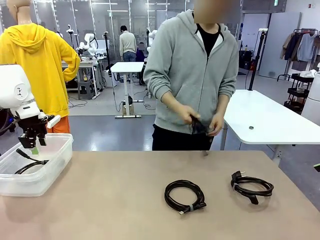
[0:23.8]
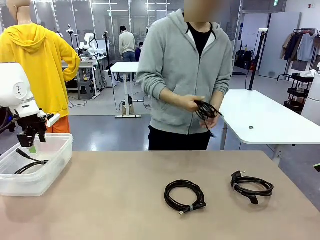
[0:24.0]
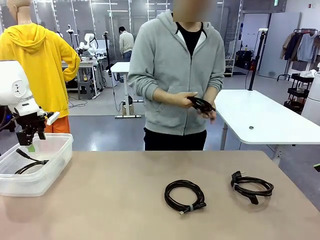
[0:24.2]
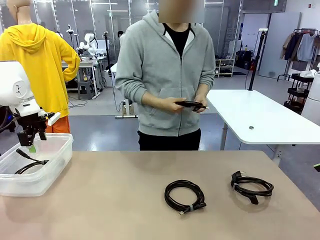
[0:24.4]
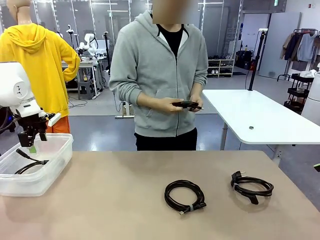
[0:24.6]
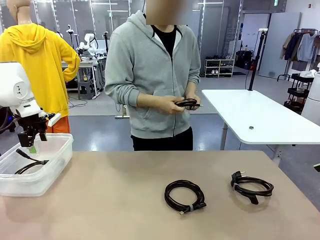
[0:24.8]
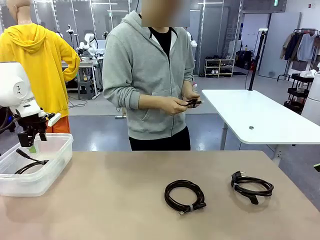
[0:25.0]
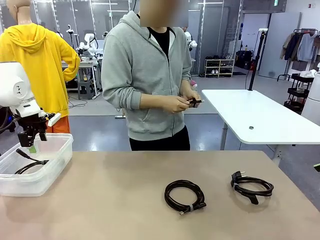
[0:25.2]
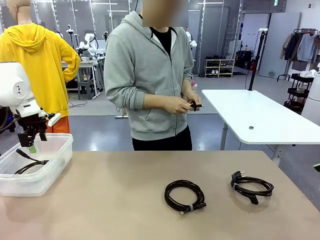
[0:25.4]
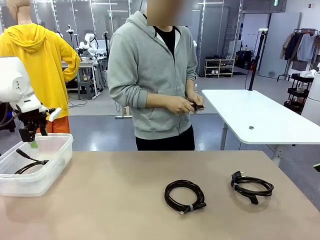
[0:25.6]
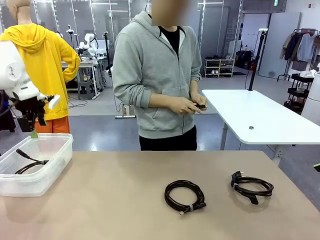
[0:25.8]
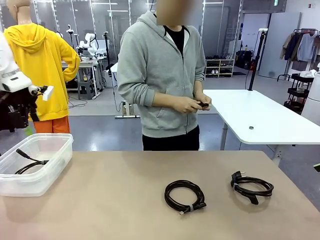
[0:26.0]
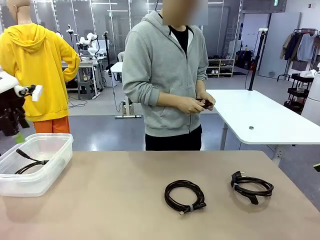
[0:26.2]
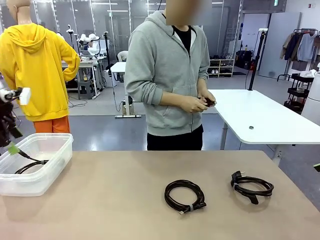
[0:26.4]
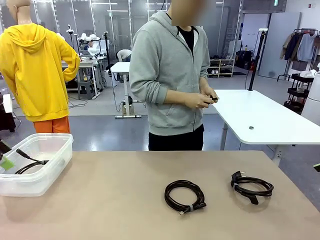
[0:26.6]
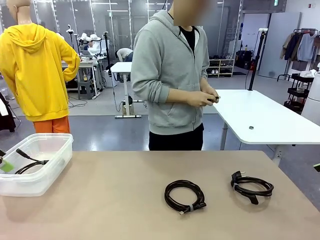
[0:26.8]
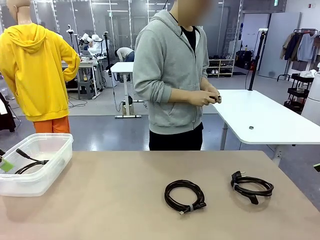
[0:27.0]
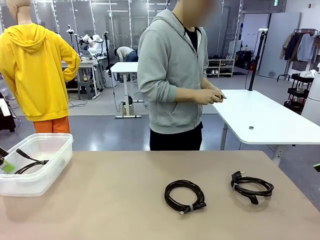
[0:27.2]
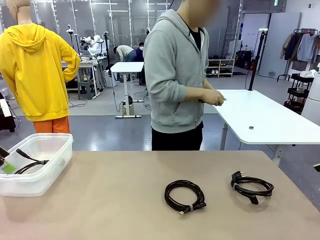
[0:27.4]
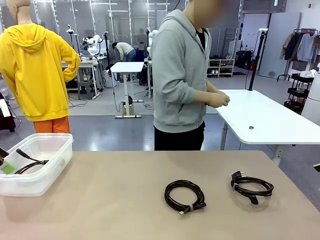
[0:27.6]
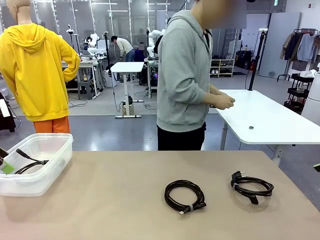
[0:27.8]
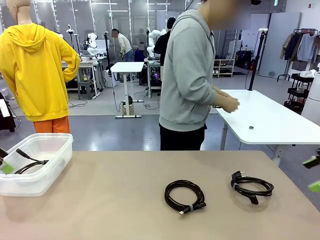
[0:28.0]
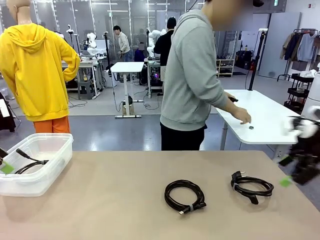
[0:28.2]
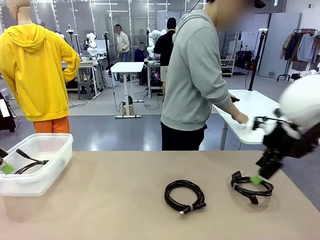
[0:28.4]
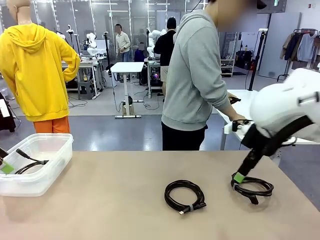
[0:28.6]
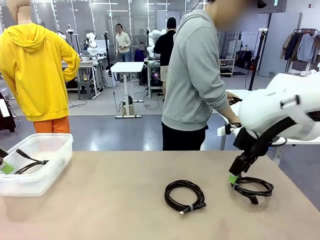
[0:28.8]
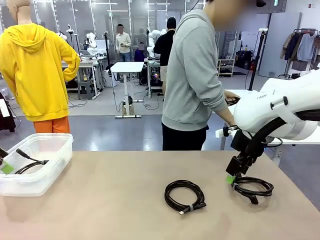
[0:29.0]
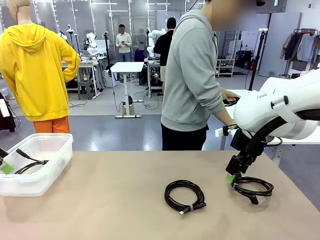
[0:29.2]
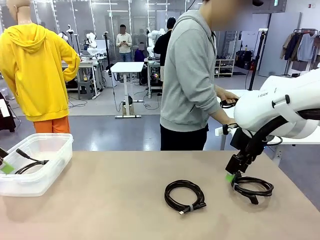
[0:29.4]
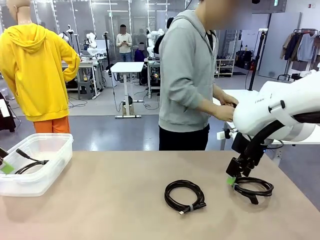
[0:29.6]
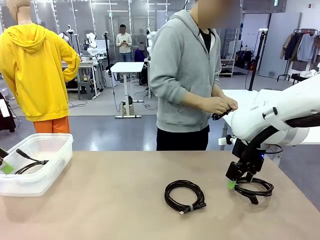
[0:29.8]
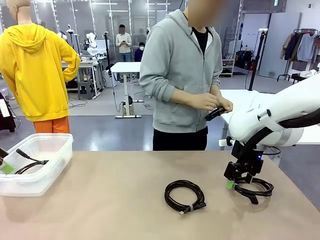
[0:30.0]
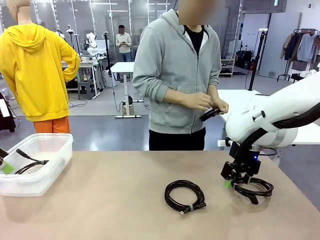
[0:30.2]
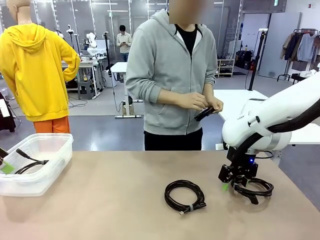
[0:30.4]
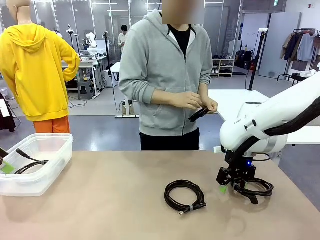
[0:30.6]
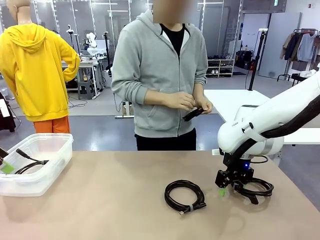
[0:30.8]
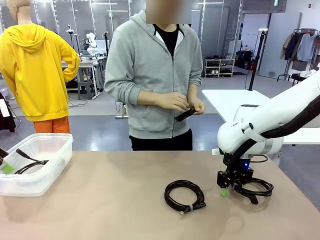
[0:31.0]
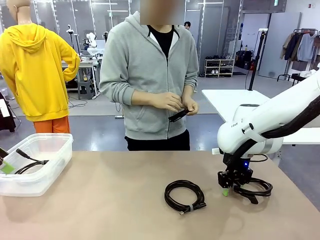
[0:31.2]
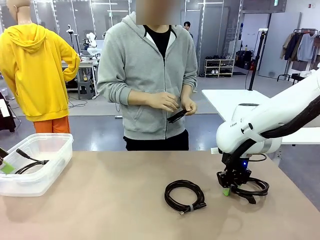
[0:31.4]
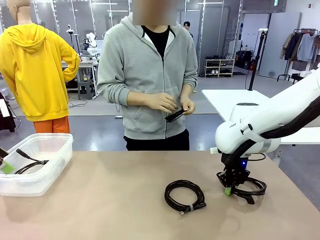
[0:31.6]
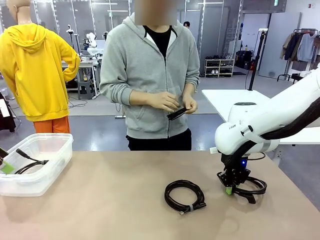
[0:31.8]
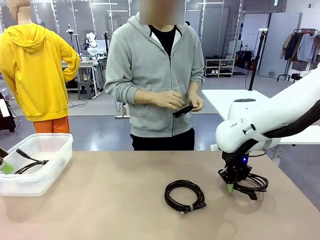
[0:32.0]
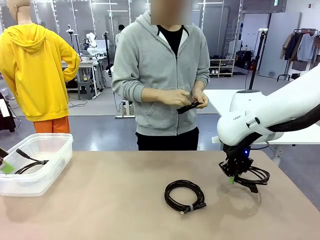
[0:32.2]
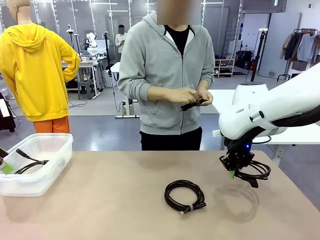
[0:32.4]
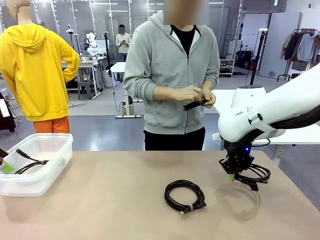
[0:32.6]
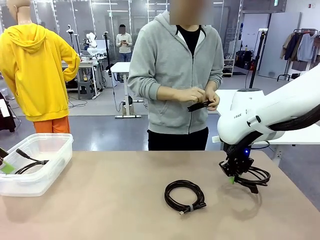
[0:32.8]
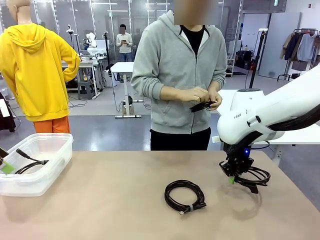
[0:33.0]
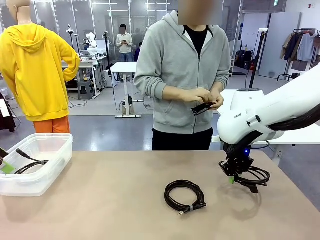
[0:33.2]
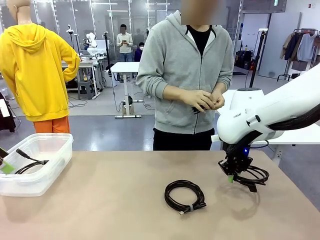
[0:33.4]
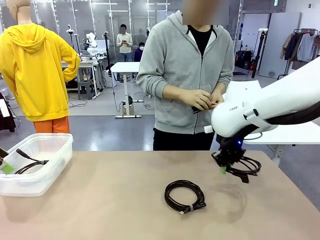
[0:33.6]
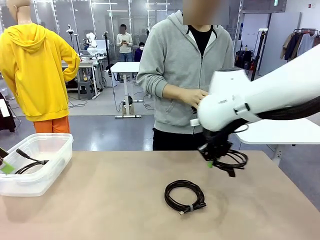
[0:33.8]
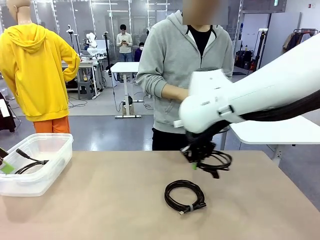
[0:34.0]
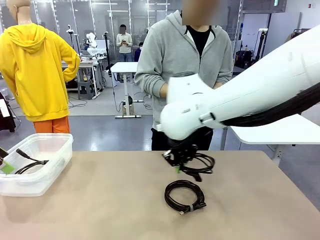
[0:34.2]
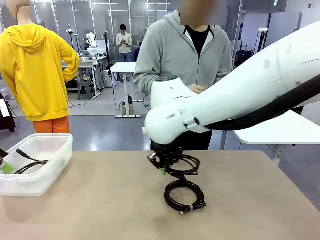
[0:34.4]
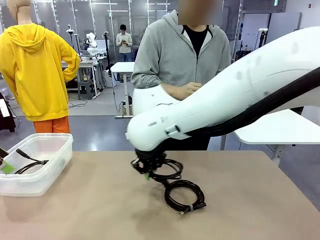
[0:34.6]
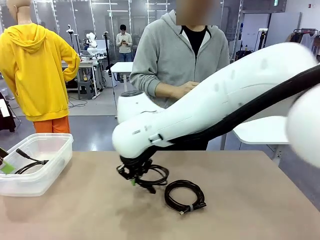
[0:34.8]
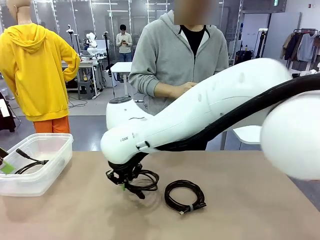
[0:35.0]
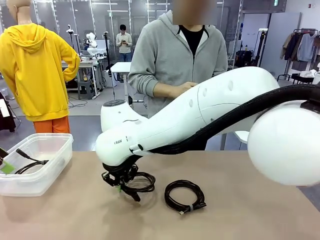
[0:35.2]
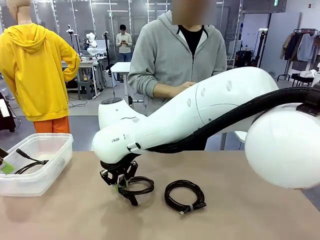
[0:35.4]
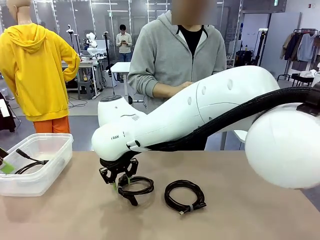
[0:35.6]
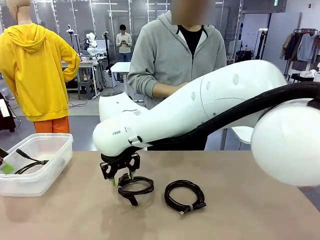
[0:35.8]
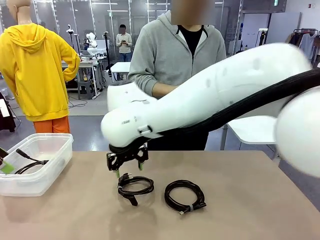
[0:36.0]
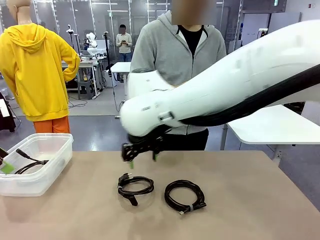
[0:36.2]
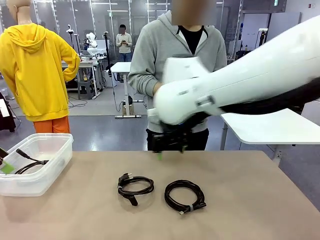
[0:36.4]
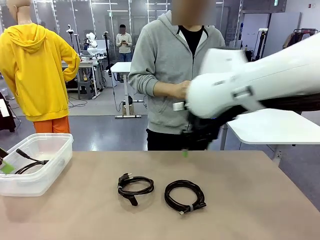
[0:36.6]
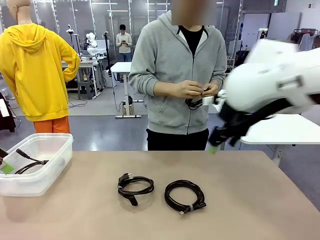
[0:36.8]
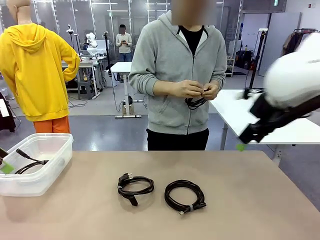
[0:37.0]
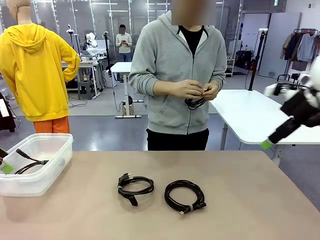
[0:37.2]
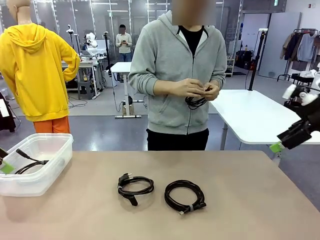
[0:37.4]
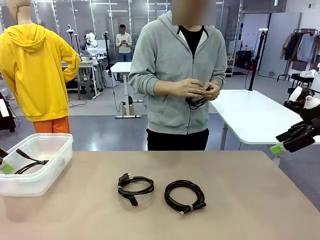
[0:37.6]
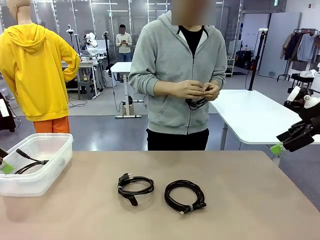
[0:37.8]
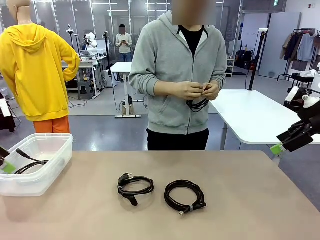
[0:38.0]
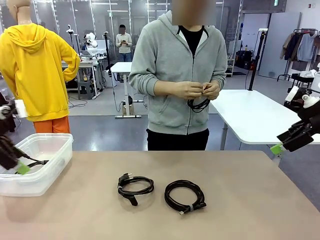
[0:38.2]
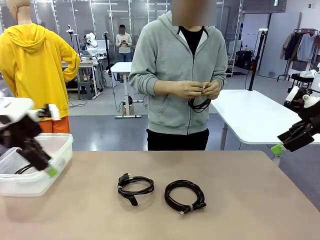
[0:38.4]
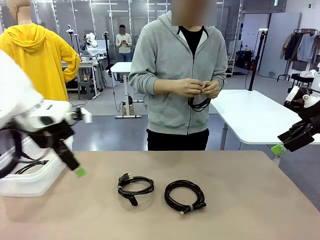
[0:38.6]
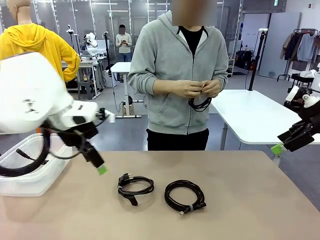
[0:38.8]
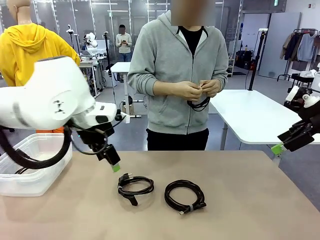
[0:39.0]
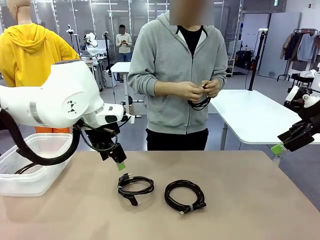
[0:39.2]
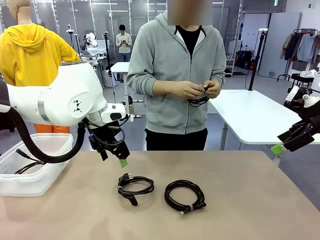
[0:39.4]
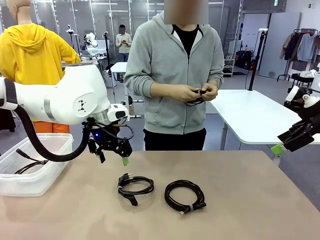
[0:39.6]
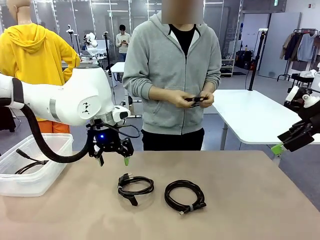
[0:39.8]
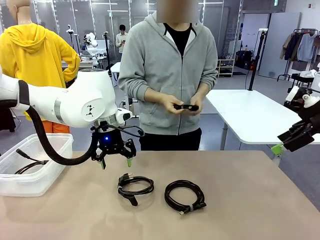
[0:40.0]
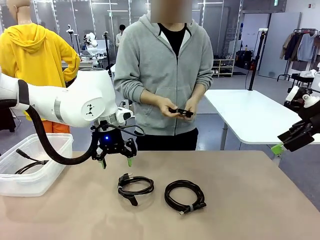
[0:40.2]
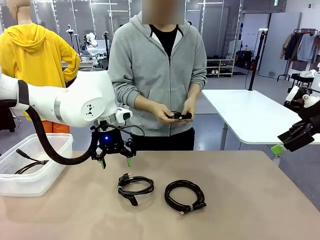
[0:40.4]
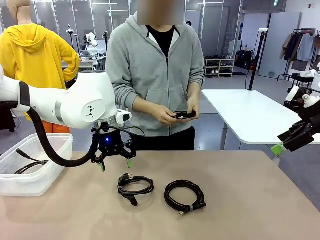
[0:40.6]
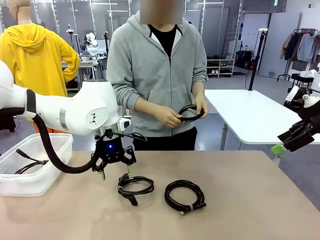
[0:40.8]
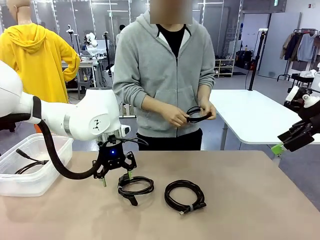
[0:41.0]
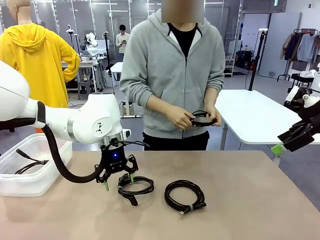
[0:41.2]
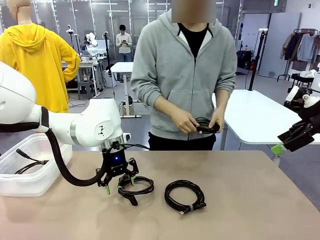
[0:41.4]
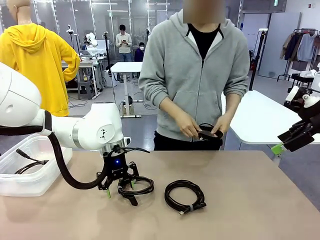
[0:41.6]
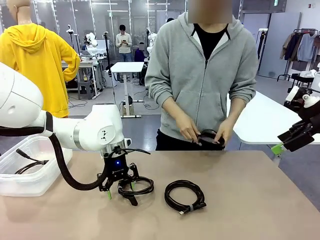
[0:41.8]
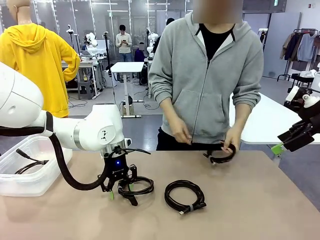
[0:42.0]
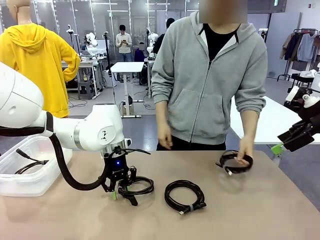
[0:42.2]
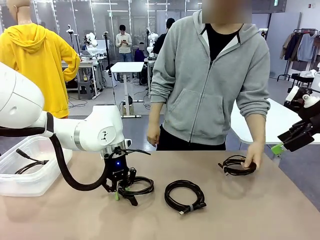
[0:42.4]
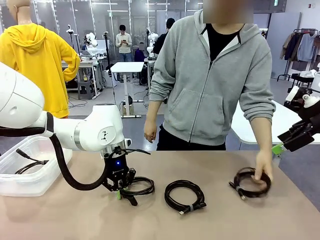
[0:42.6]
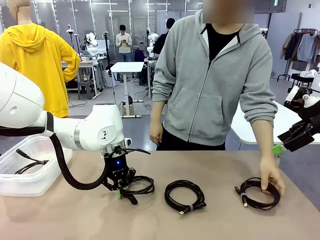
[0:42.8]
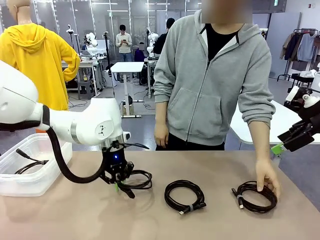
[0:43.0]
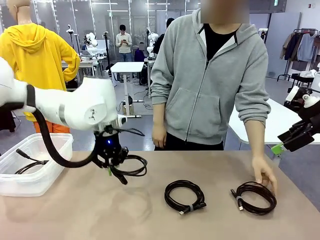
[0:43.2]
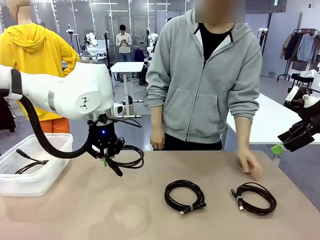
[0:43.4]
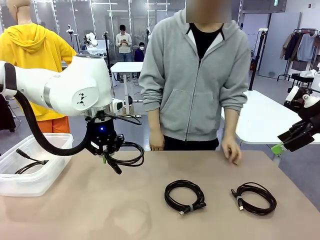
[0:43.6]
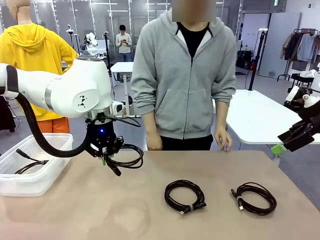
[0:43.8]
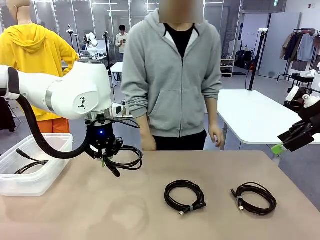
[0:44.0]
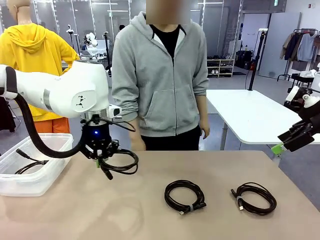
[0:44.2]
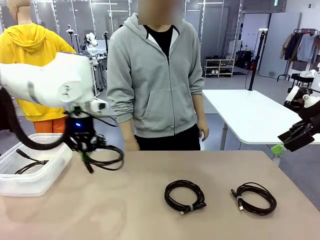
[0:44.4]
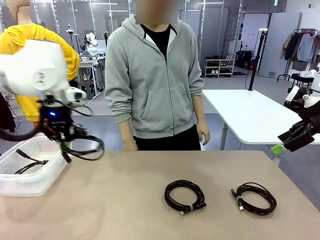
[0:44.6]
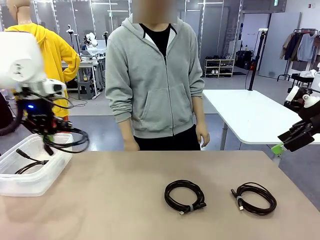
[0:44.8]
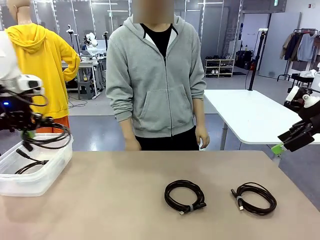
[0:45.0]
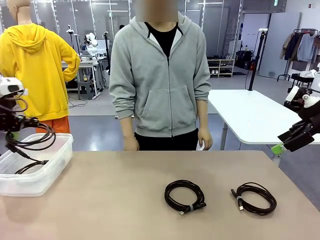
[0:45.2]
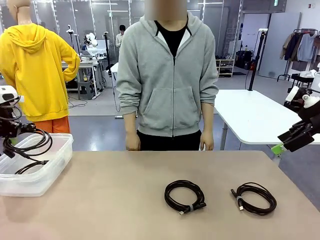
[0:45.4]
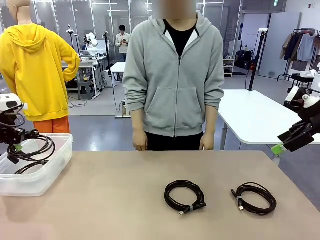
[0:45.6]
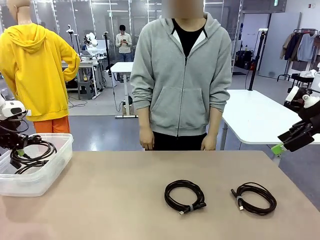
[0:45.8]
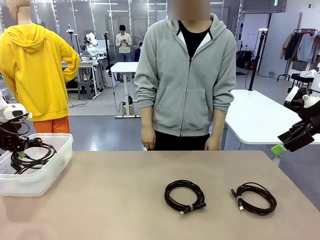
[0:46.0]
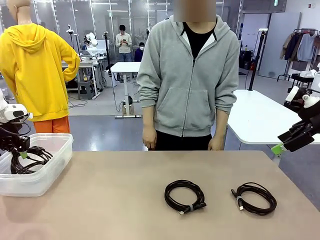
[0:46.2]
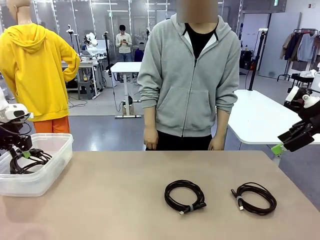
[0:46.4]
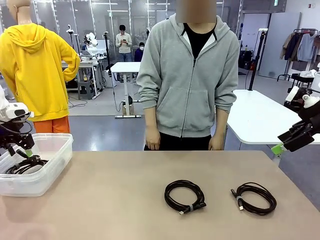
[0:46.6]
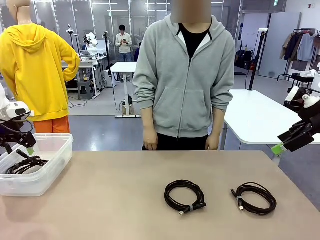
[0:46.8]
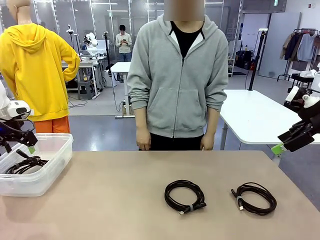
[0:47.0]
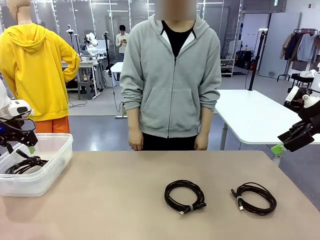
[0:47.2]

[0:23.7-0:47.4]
Task: Organize and store the cables.
Robot: Place the Power Cable into the Organizing box.
